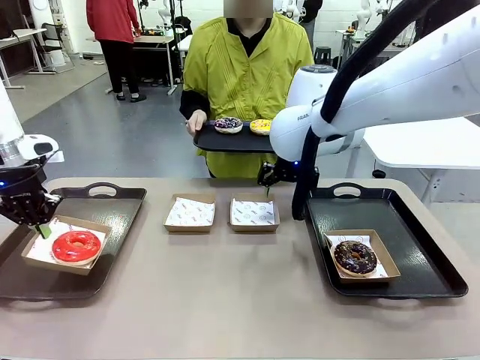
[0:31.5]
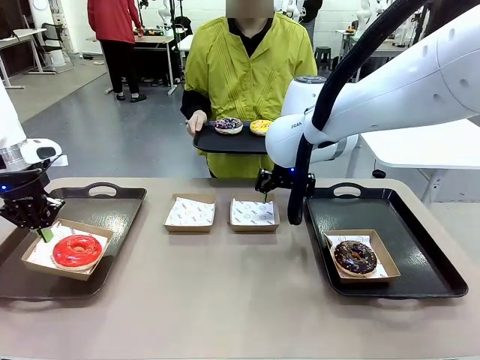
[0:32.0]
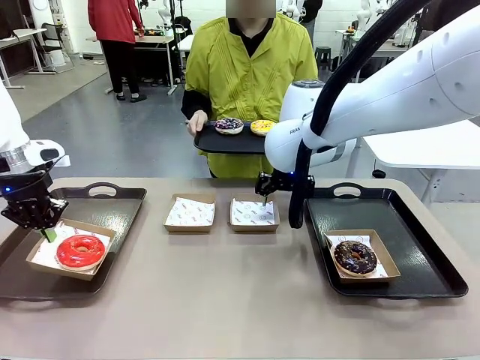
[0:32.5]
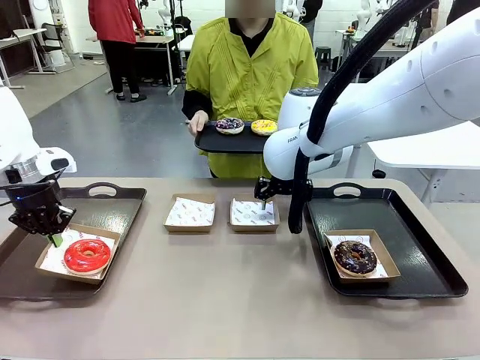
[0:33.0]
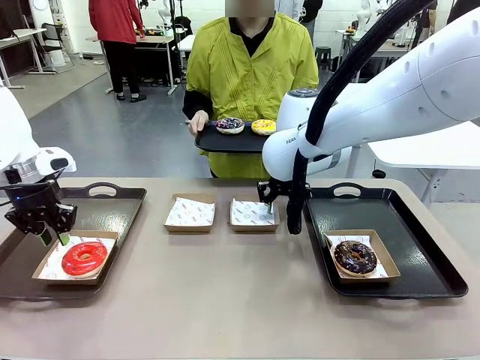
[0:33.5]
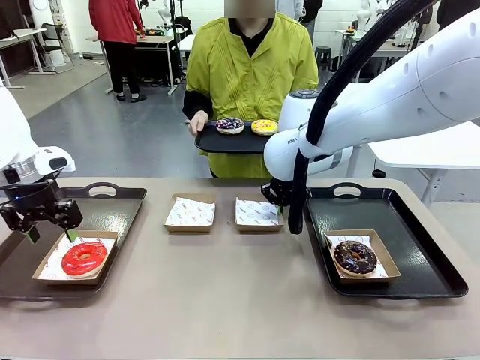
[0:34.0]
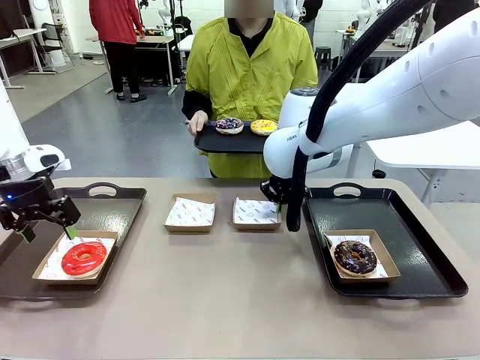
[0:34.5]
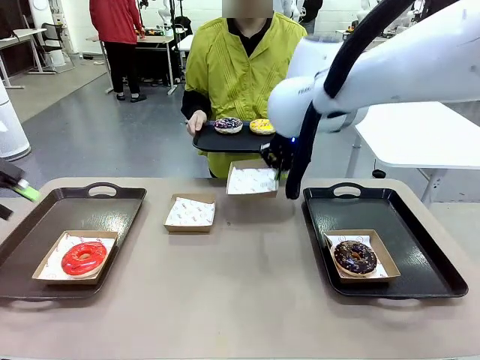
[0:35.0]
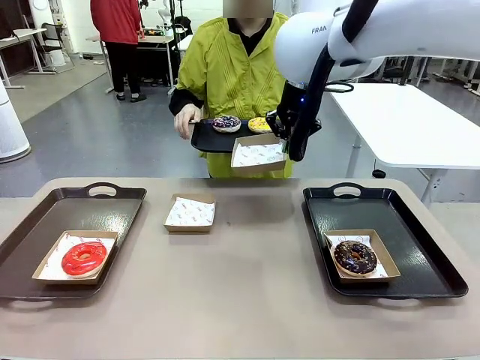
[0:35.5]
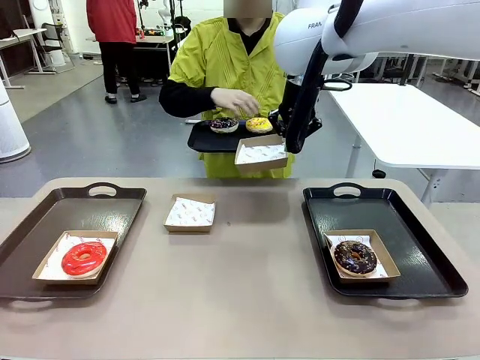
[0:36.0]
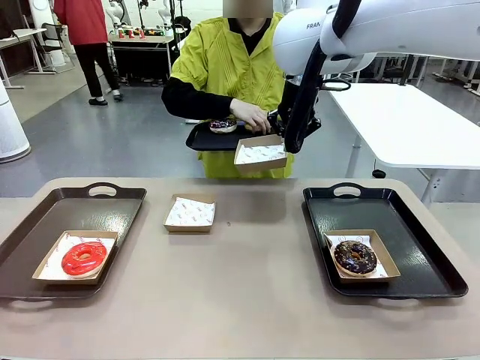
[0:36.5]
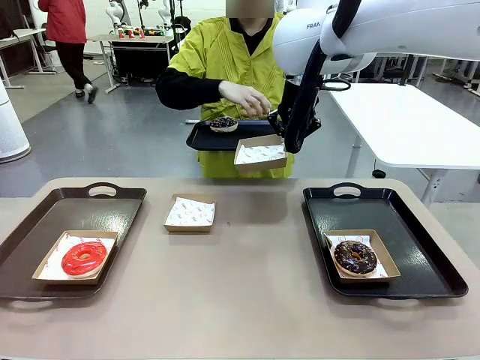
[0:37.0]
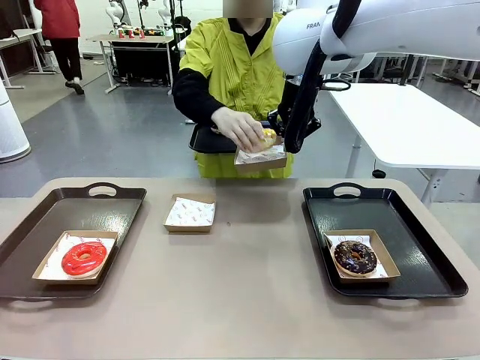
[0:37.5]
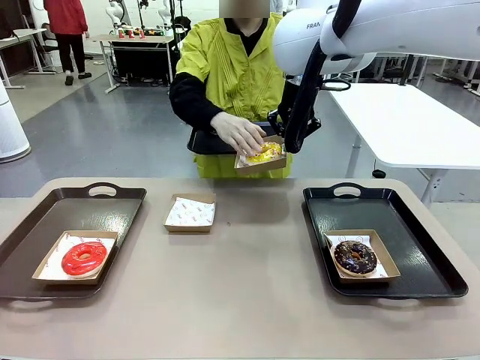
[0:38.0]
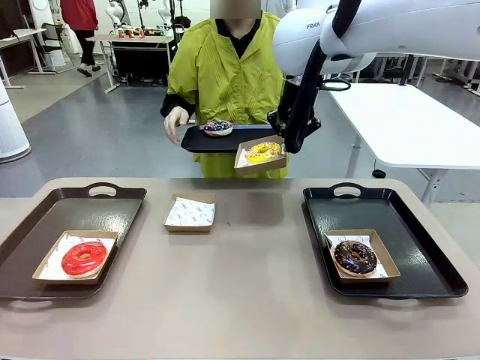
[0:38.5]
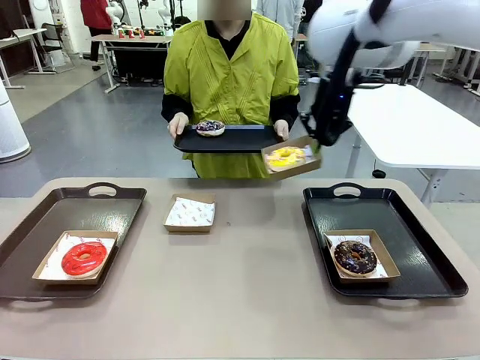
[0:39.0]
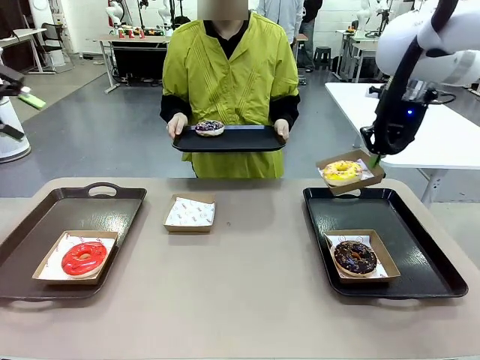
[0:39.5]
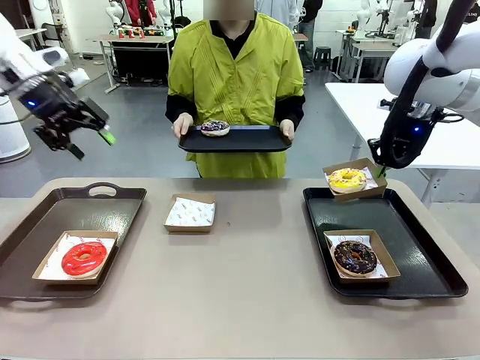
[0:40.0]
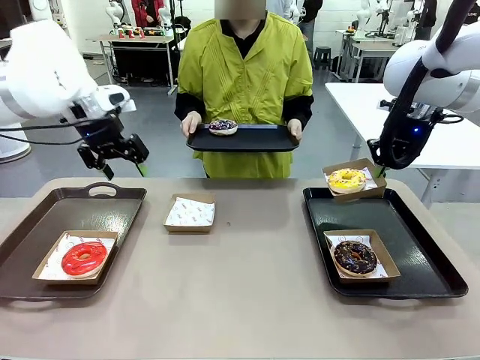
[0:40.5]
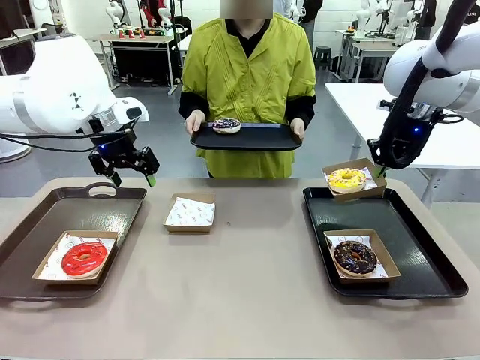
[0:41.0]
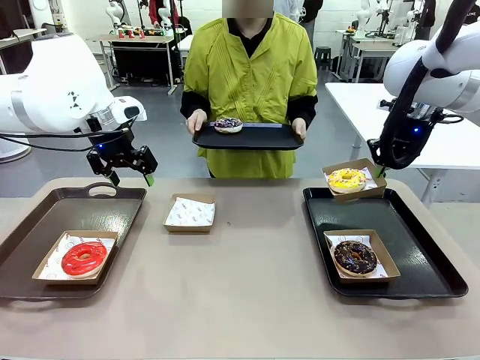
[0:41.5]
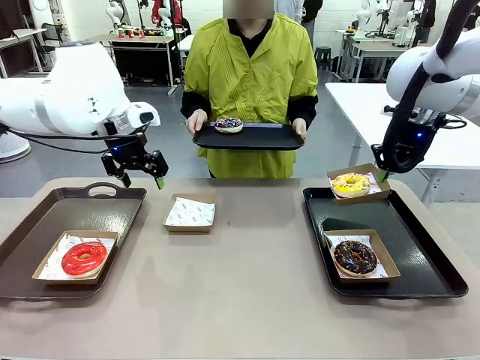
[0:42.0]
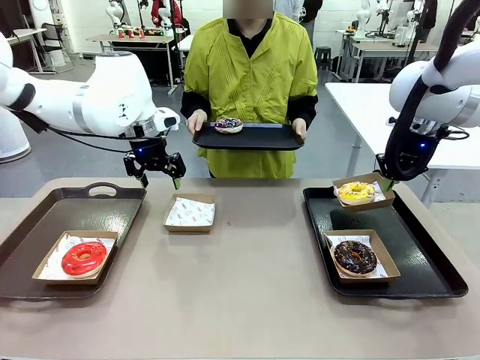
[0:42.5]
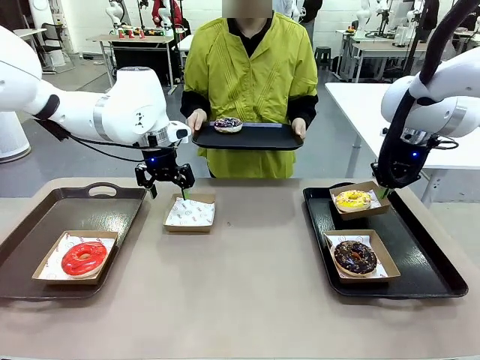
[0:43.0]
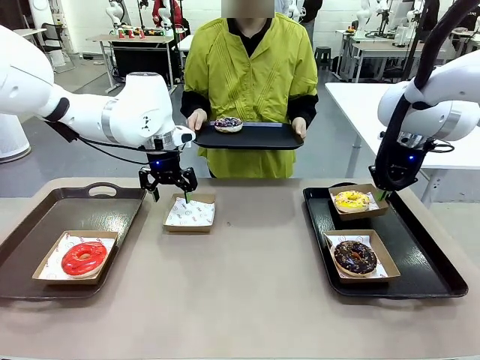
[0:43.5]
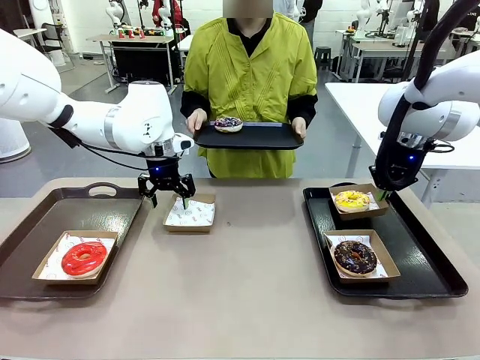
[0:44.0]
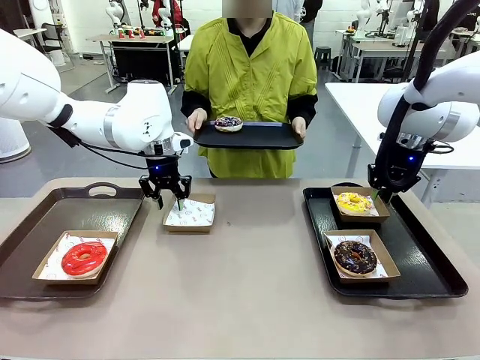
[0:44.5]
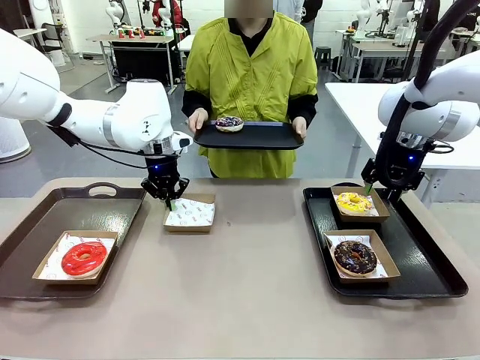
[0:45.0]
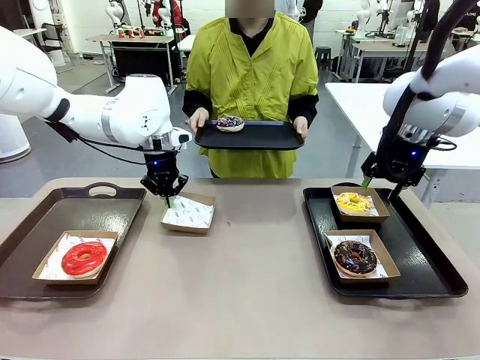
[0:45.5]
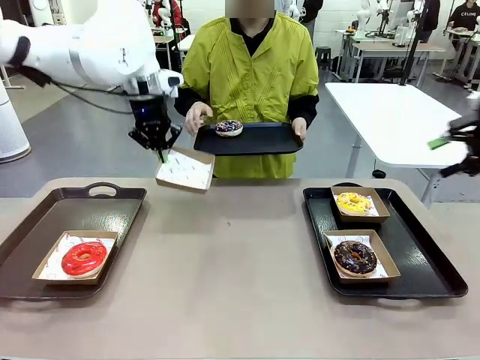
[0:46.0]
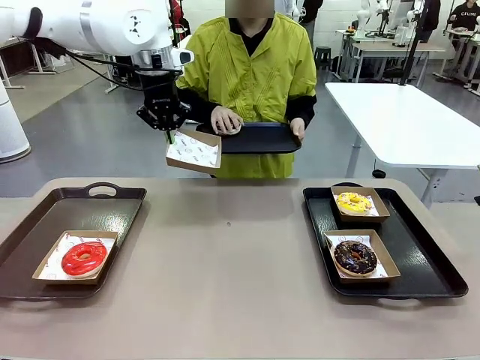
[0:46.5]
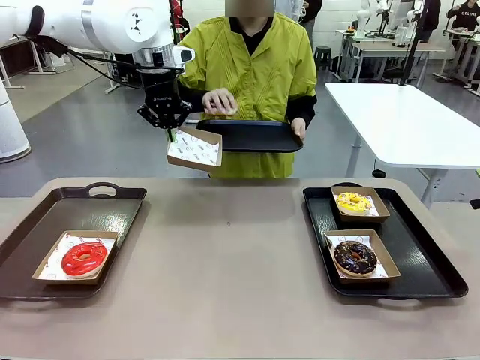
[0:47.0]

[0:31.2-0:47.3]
Task: Individually package the donuts and arrange them on the tray.
Robot: Place the picked Paper togo box on the Handle tray while simultaneously picking up another Paper togo box from the table with the other hand.

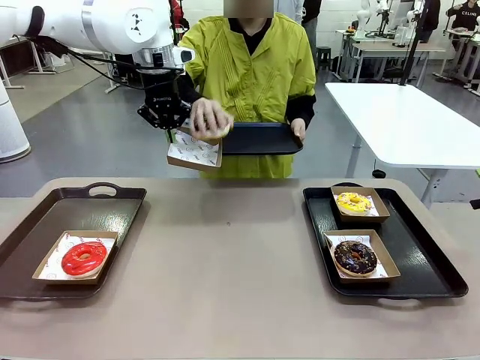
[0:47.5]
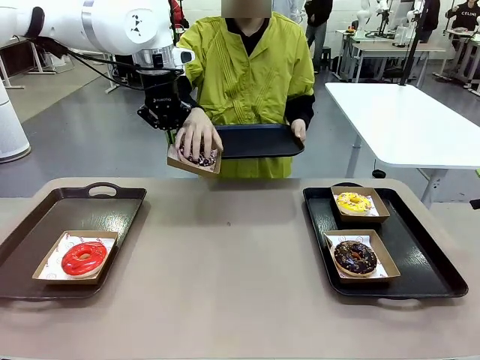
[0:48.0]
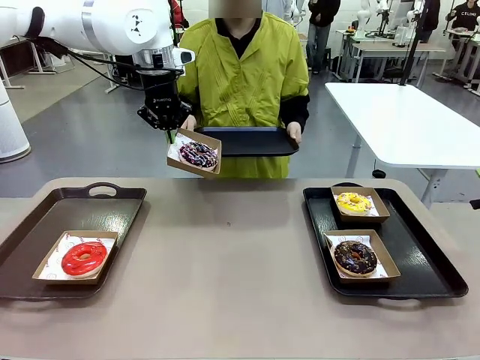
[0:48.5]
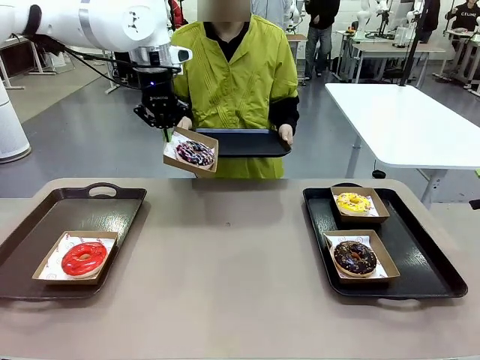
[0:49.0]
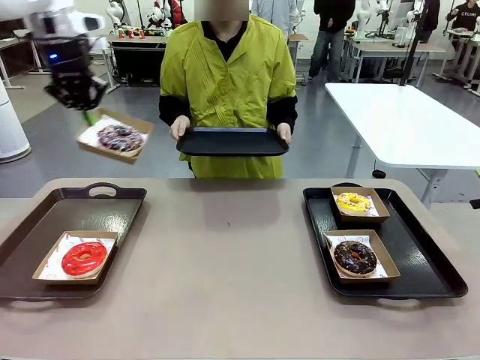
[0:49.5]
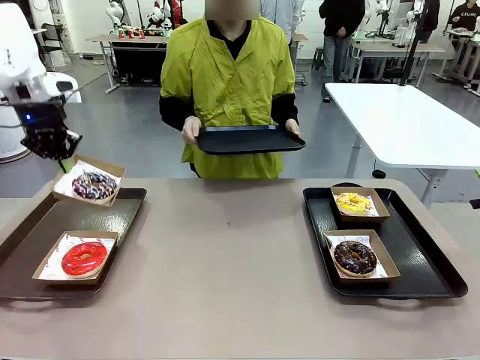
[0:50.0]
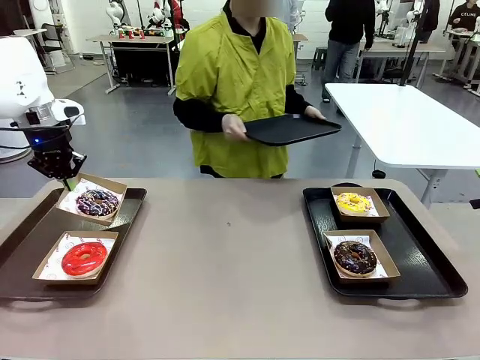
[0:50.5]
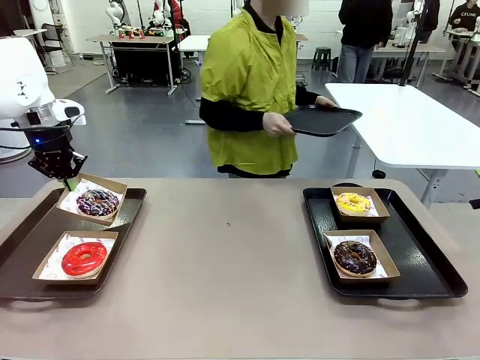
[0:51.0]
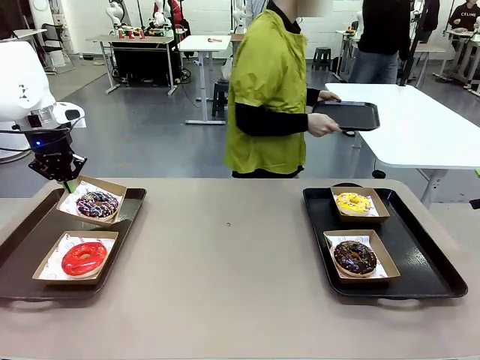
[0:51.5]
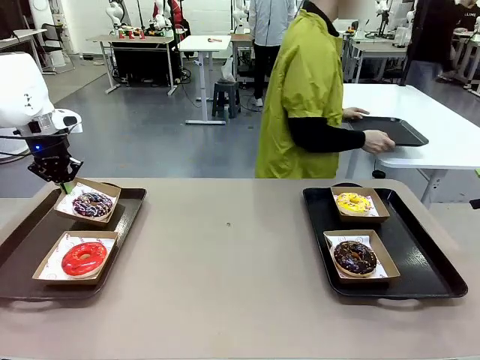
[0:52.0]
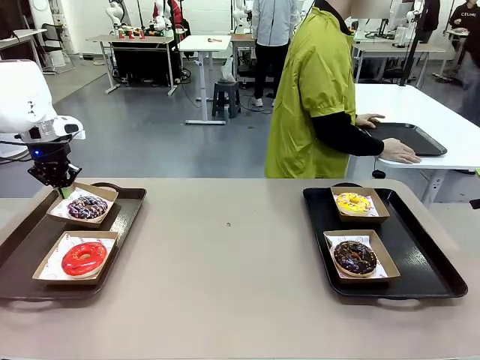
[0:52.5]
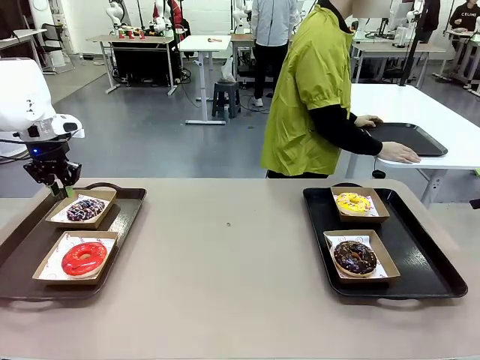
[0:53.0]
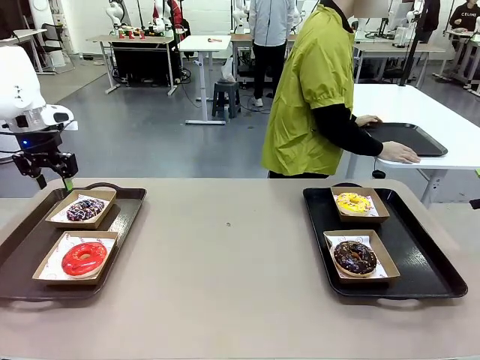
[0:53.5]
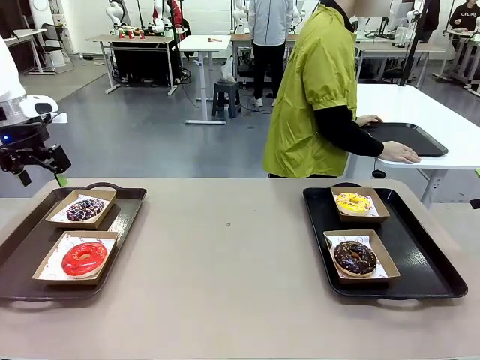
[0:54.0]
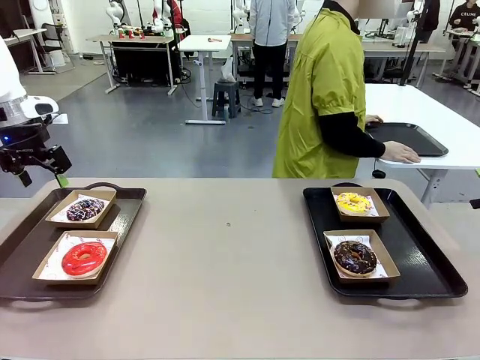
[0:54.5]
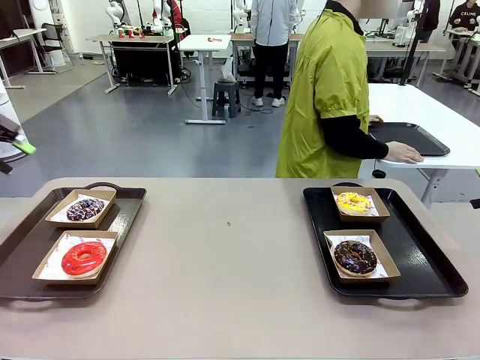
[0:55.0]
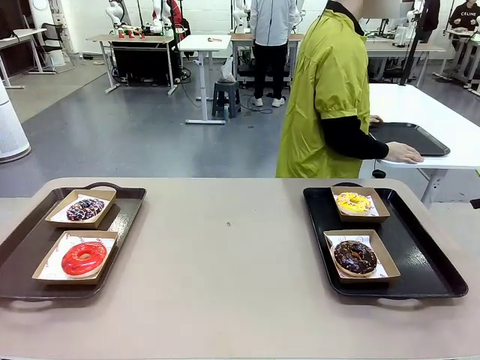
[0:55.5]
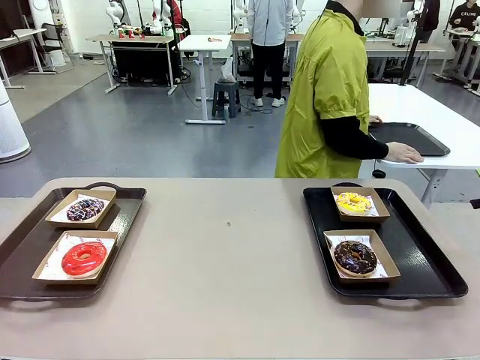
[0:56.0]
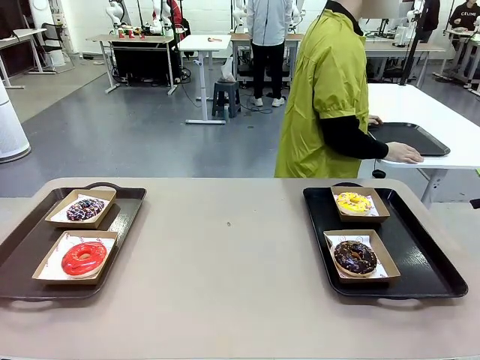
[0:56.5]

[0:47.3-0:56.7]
Robot: Place the picked Paper togo box on the Handle tray.
Person: Place the tray down in the middle of the human table.
